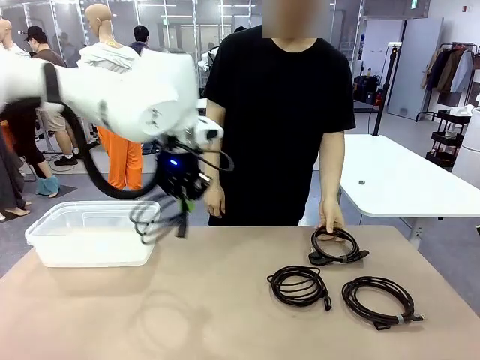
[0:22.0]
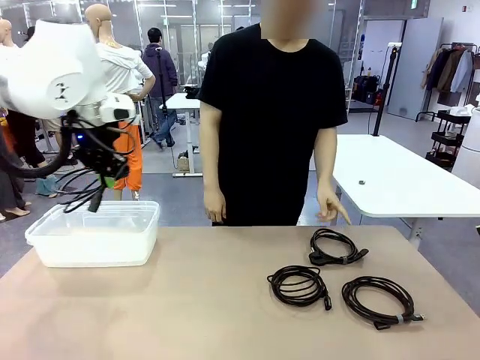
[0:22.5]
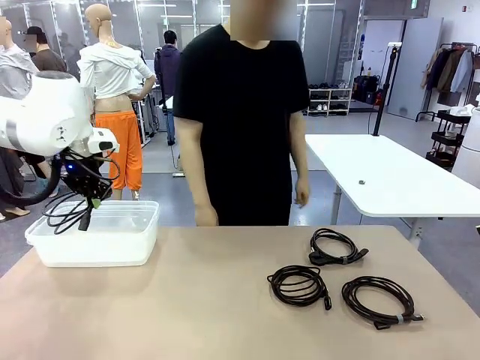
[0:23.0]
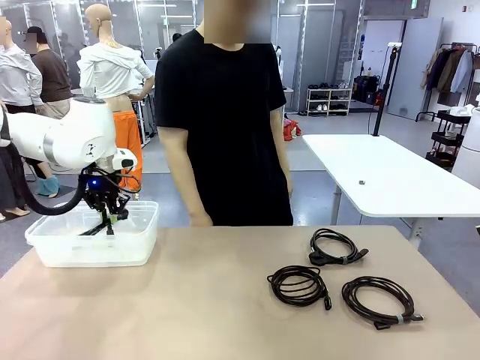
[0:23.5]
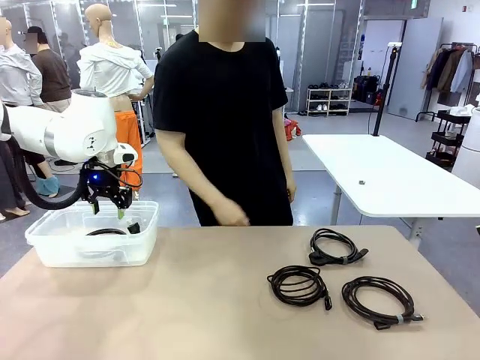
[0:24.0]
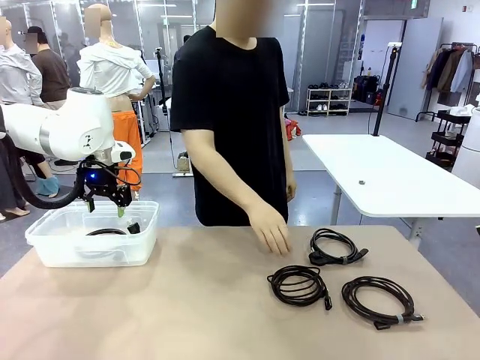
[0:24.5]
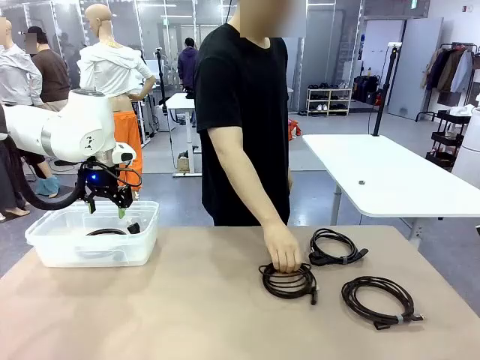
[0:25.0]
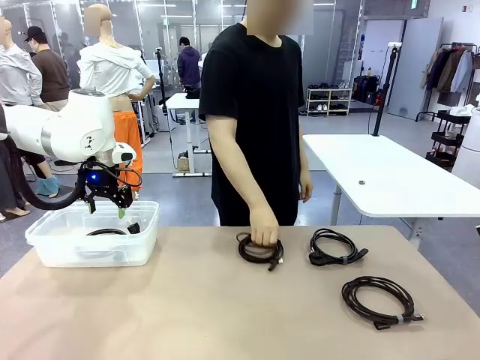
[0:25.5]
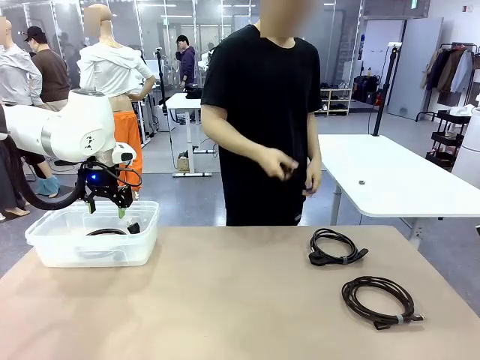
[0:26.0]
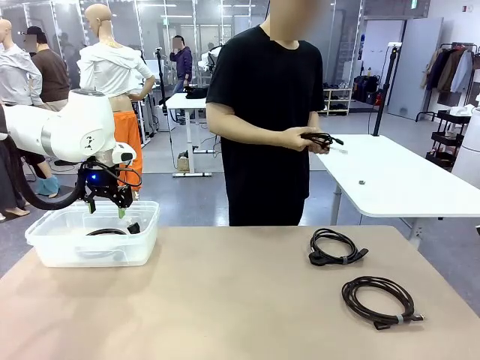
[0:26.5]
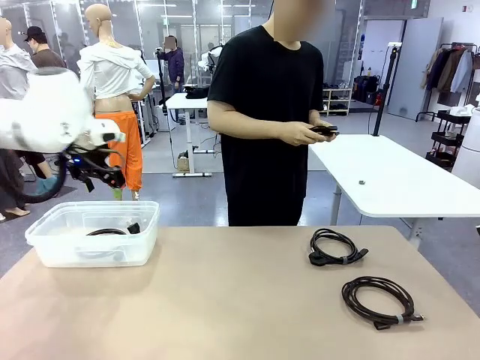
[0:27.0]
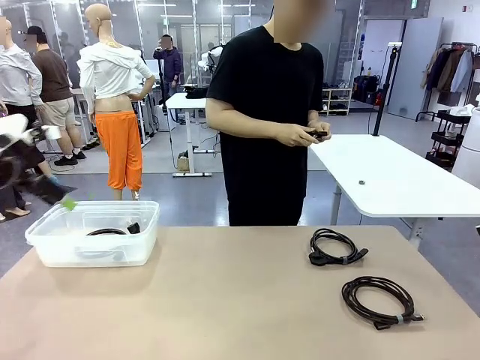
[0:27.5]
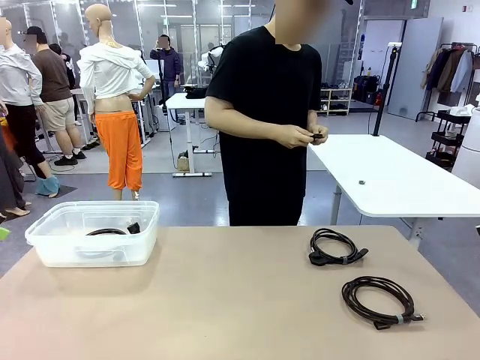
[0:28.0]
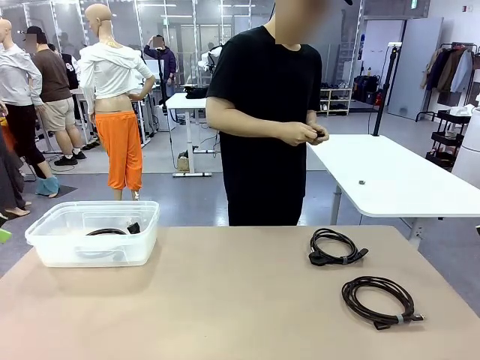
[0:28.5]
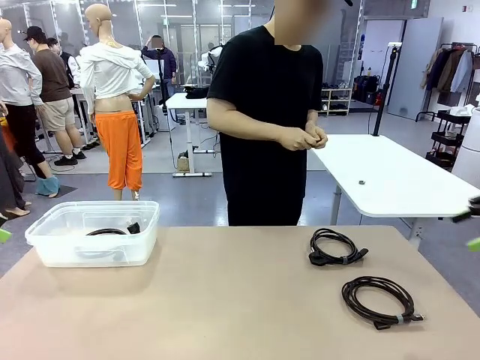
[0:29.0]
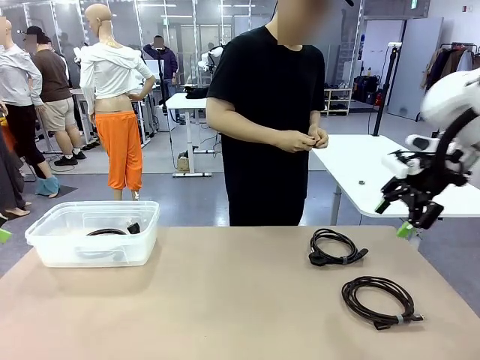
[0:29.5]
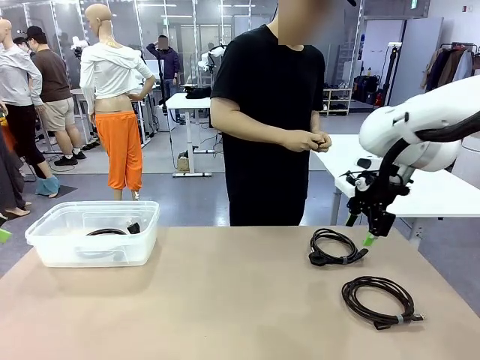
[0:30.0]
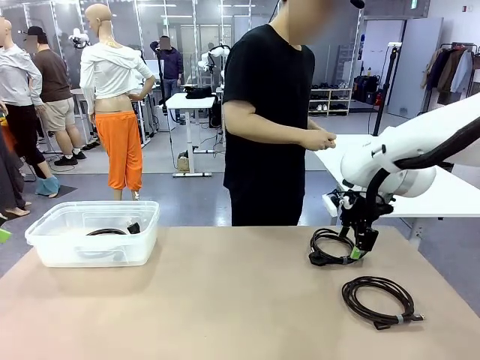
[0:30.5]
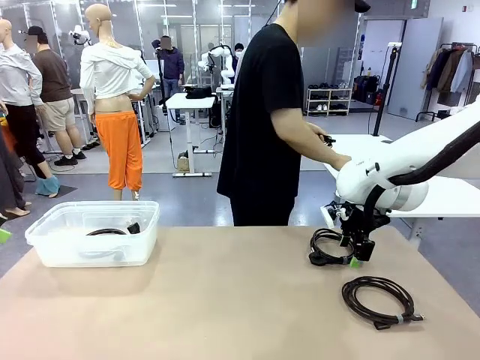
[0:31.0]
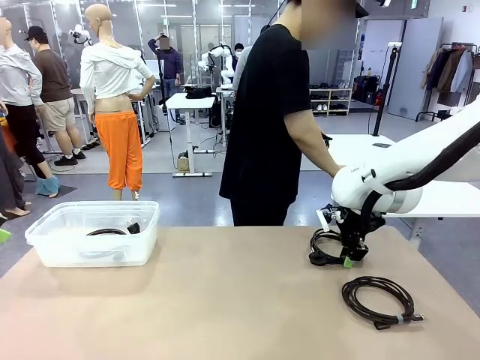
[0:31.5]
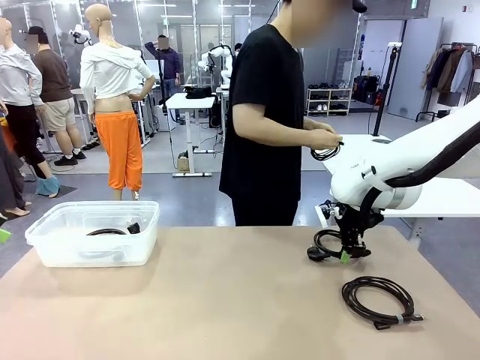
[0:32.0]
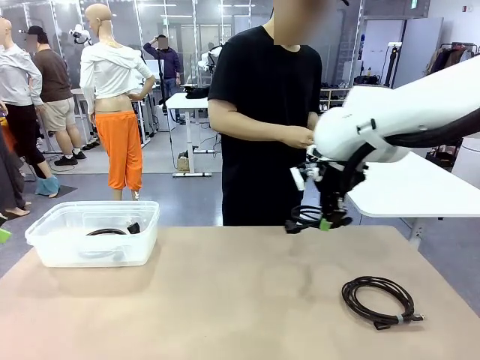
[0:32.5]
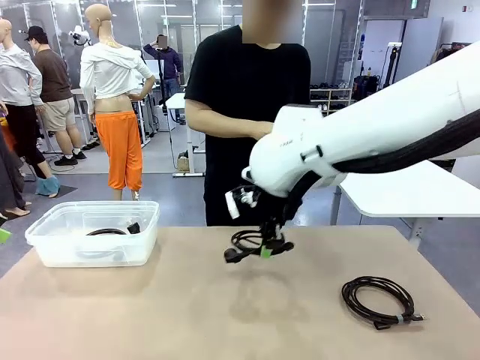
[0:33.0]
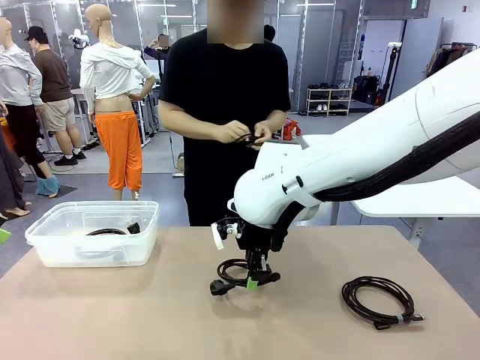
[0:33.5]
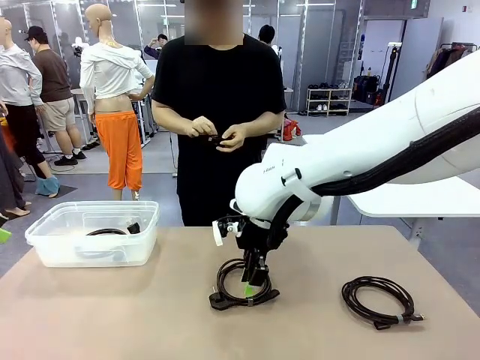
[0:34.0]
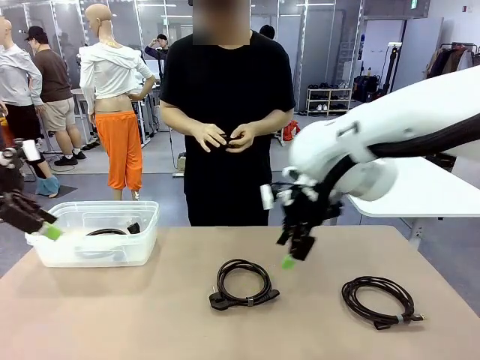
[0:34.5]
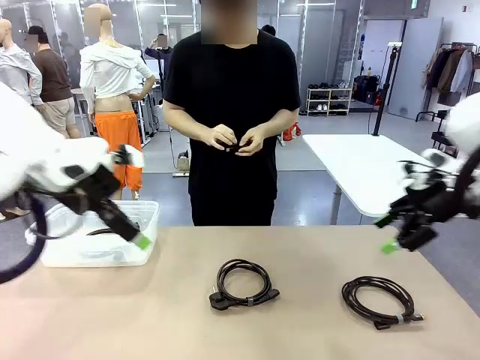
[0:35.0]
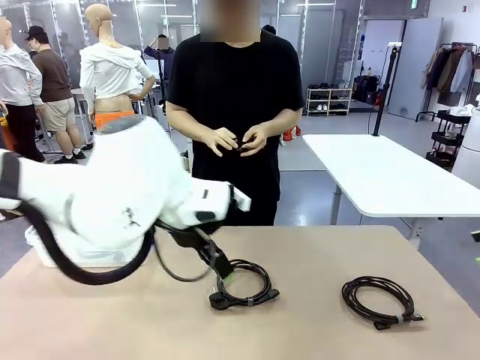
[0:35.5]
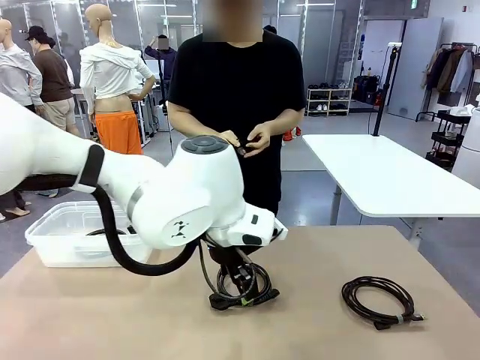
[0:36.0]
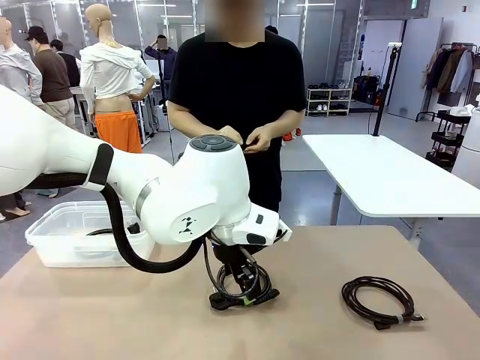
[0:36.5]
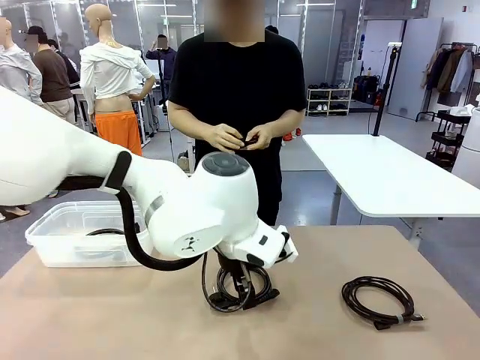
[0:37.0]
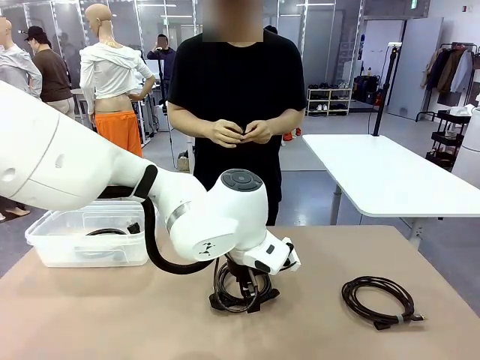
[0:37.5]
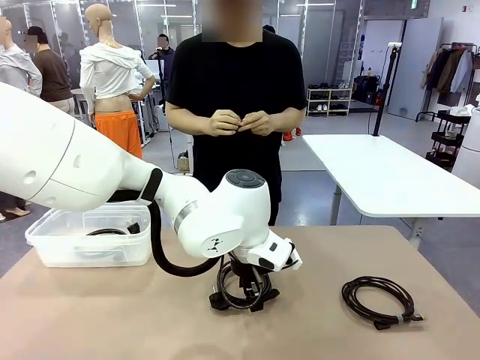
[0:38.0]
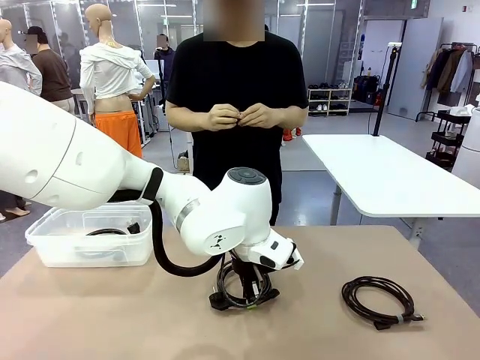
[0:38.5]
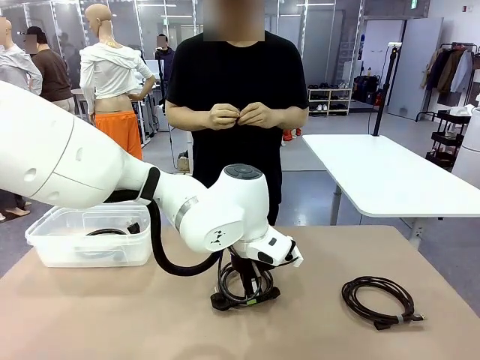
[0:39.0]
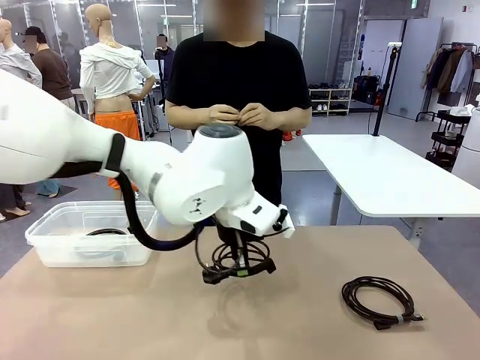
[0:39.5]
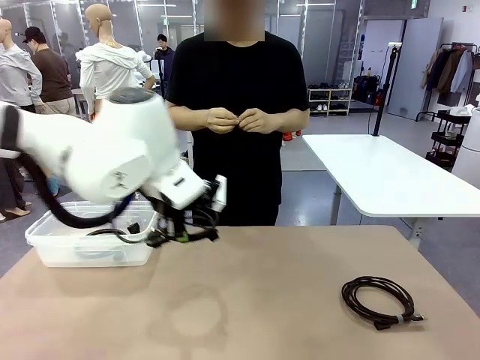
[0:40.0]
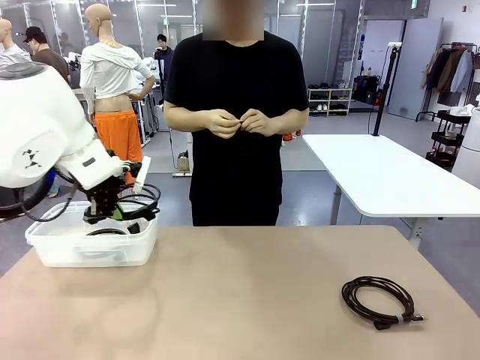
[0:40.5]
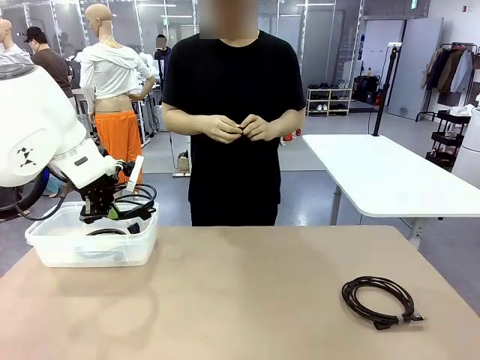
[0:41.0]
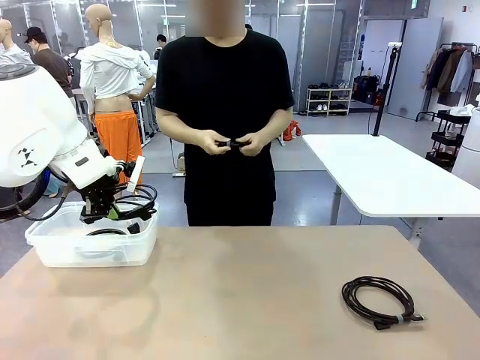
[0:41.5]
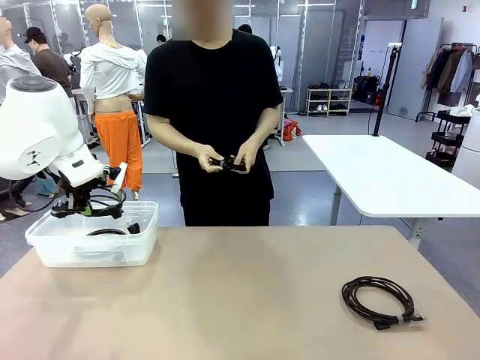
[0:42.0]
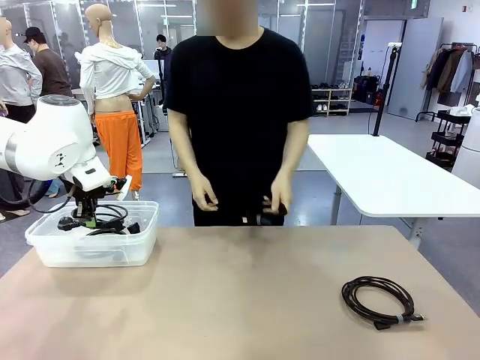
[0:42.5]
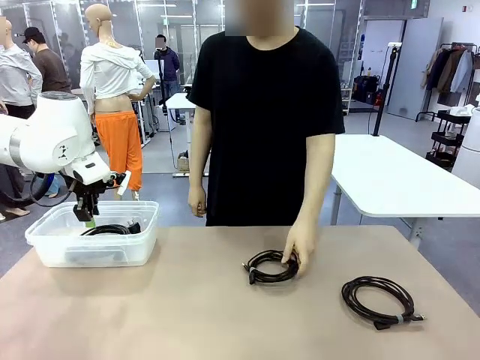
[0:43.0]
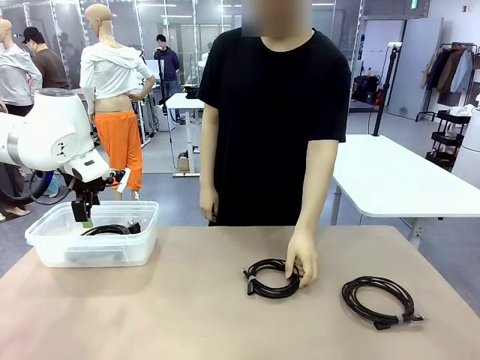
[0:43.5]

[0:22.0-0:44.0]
Task: Organize and store the cables.
Robot: Place the Power Cable into the Organizing box.

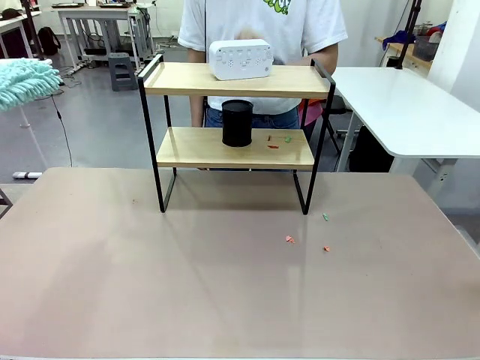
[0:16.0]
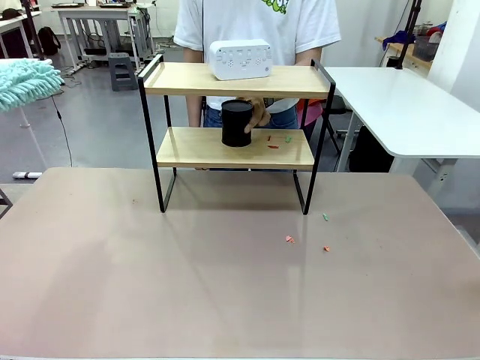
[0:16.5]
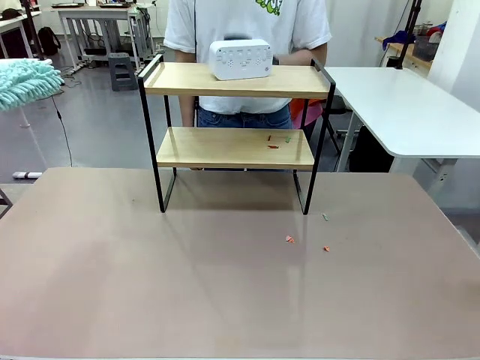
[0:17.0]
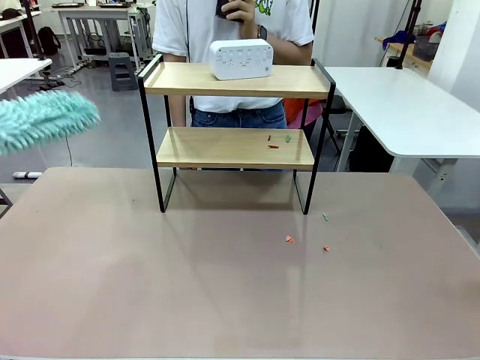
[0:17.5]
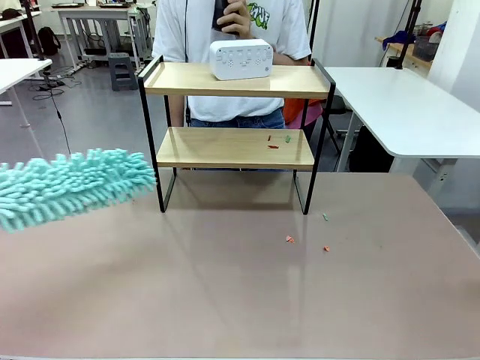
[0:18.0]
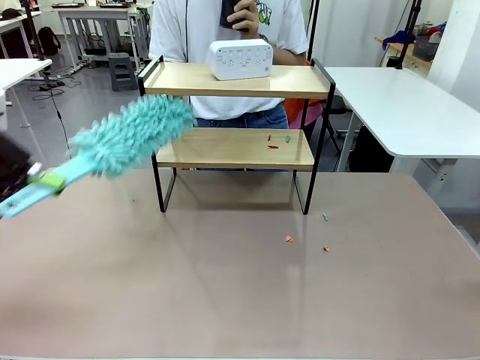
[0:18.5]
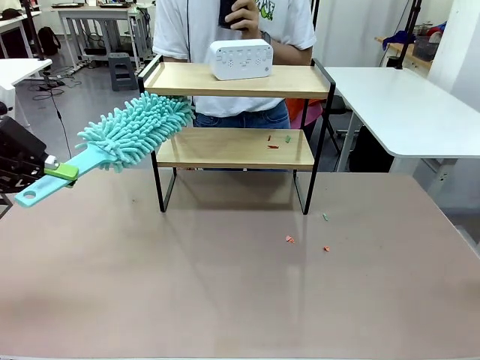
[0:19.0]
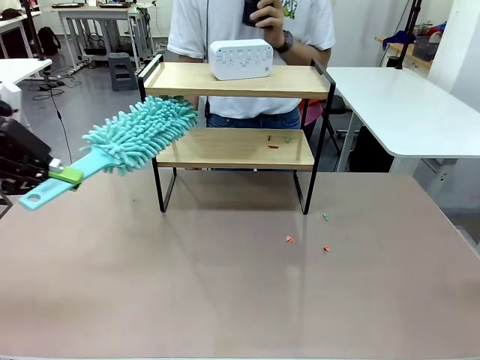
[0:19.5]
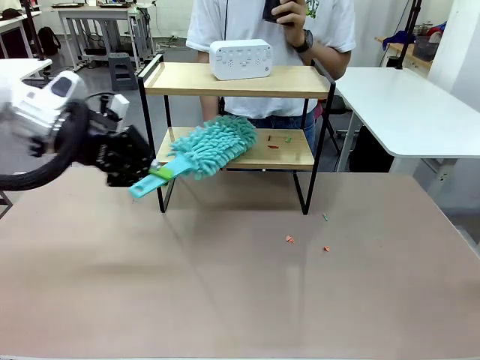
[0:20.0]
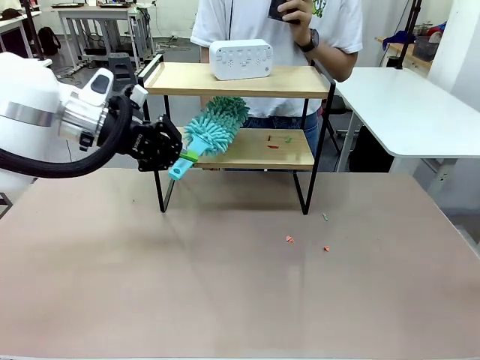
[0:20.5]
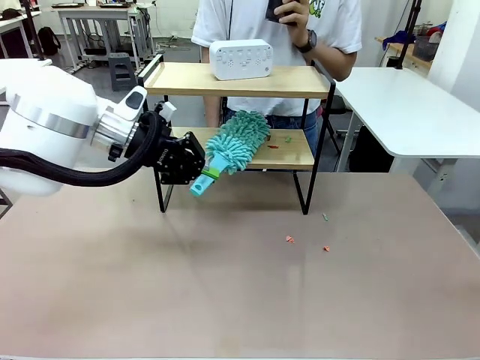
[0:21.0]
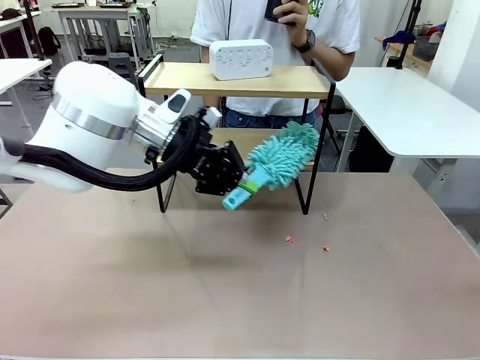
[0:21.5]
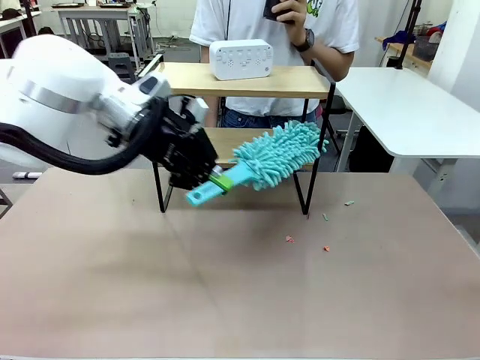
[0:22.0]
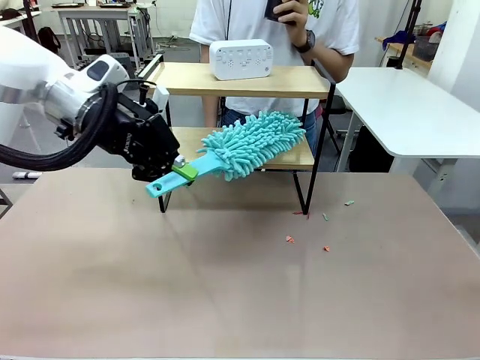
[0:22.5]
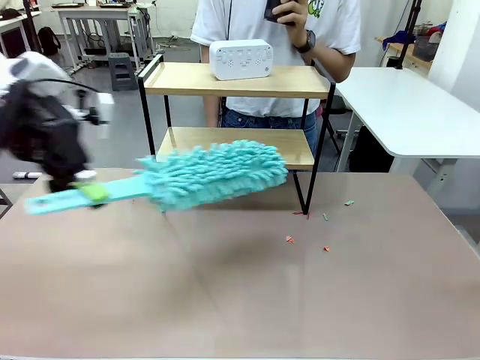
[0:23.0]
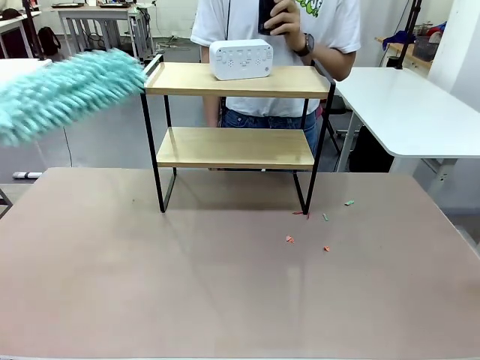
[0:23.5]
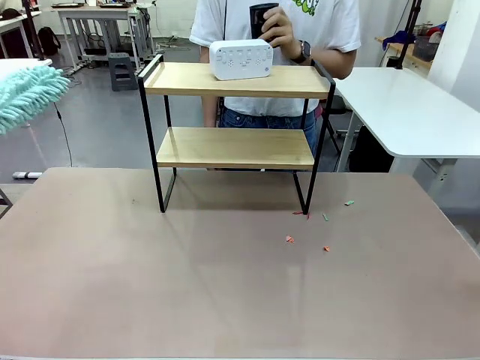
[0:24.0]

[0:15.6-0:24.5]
Task: Clean the shelf.
Robot: Clean the remaining tier of the Shelf with the Duster once objects are removed.
